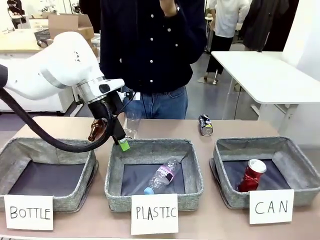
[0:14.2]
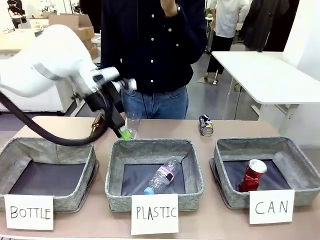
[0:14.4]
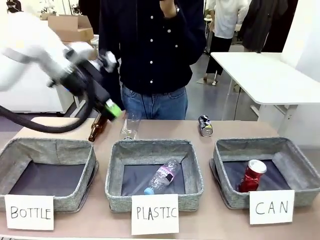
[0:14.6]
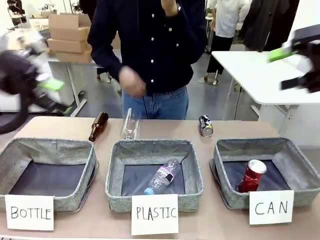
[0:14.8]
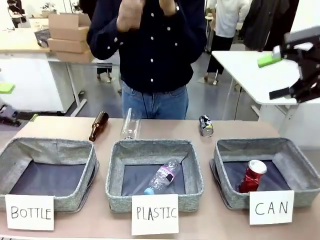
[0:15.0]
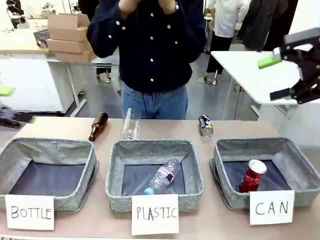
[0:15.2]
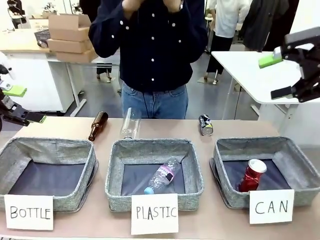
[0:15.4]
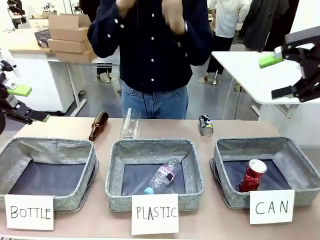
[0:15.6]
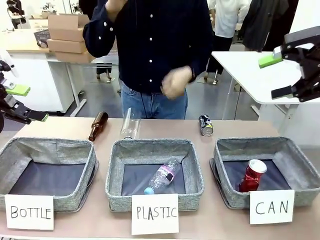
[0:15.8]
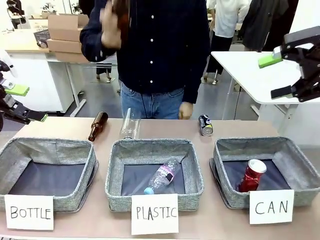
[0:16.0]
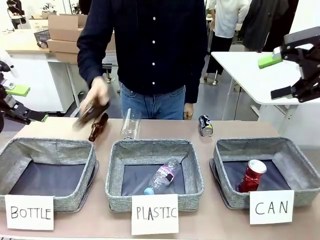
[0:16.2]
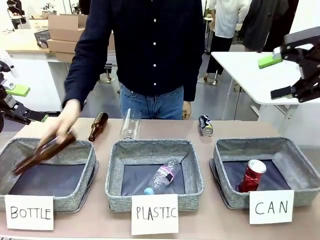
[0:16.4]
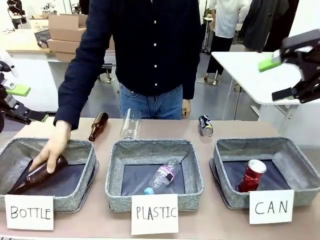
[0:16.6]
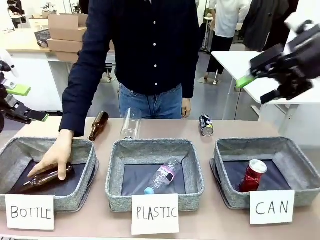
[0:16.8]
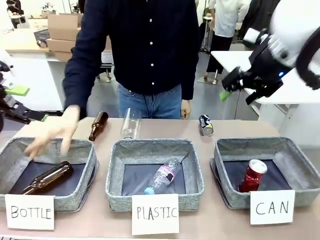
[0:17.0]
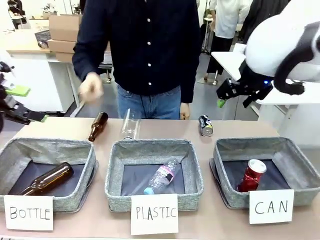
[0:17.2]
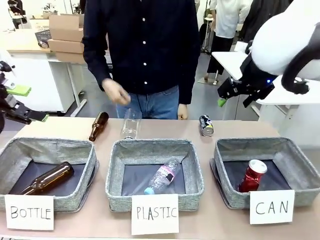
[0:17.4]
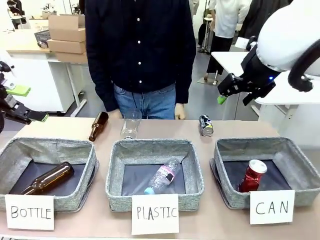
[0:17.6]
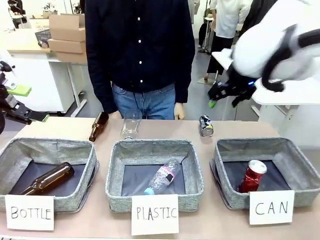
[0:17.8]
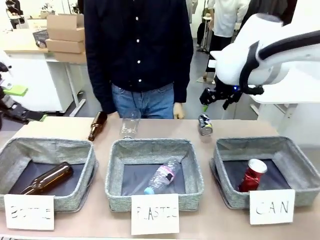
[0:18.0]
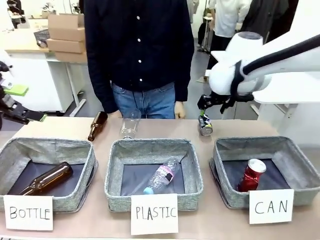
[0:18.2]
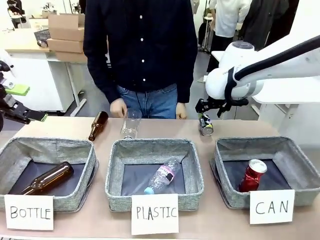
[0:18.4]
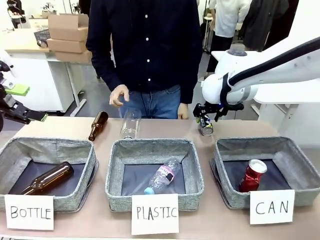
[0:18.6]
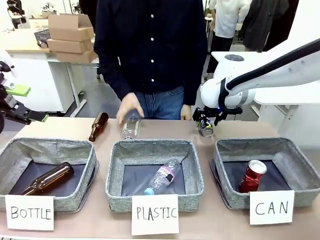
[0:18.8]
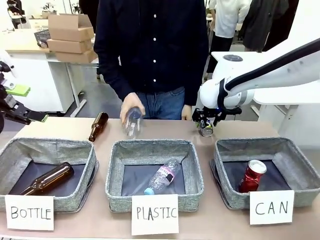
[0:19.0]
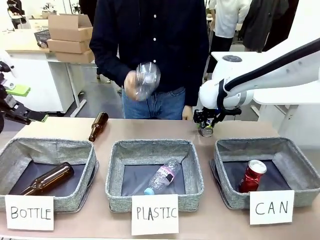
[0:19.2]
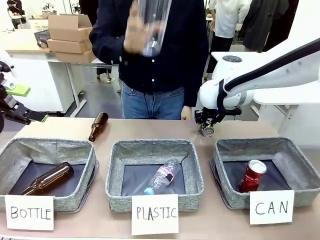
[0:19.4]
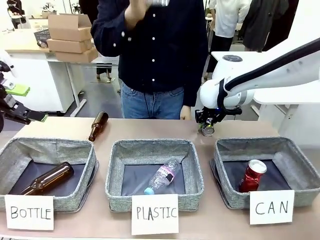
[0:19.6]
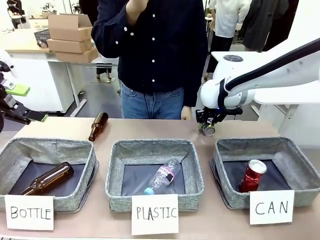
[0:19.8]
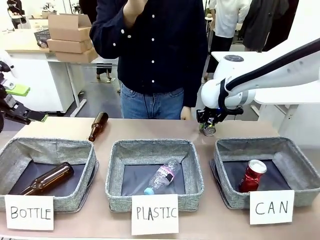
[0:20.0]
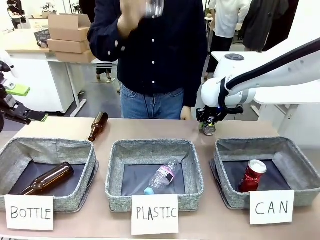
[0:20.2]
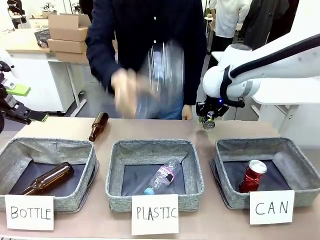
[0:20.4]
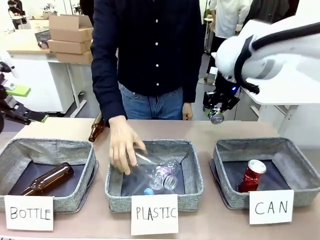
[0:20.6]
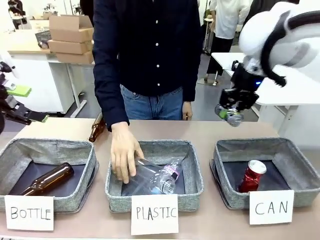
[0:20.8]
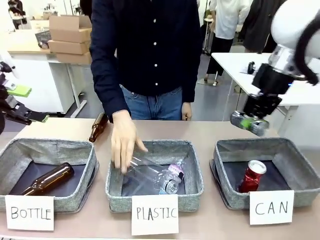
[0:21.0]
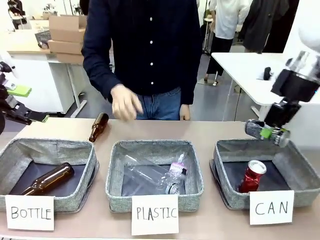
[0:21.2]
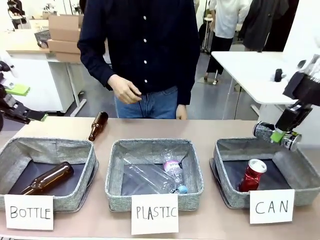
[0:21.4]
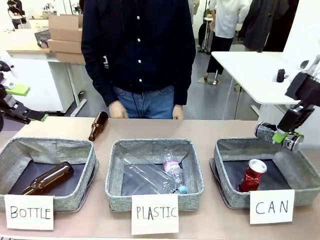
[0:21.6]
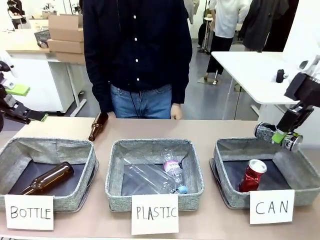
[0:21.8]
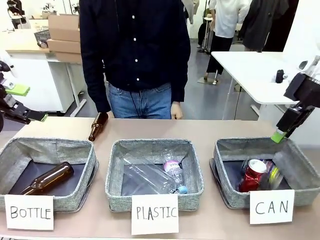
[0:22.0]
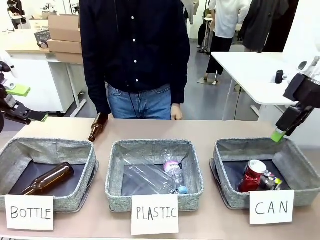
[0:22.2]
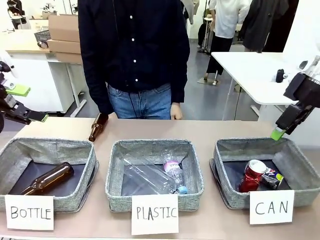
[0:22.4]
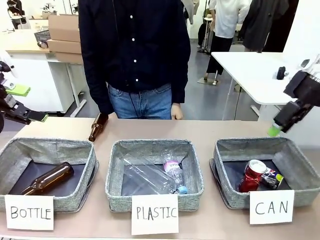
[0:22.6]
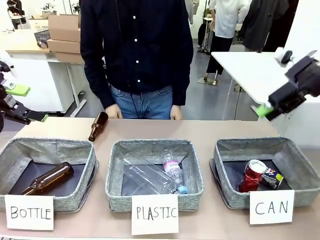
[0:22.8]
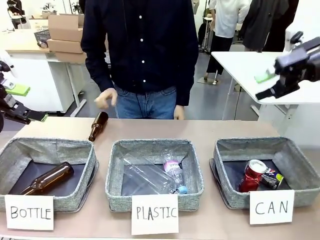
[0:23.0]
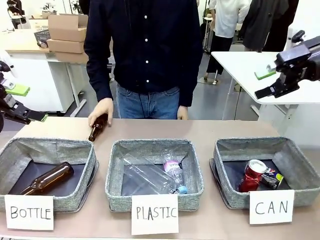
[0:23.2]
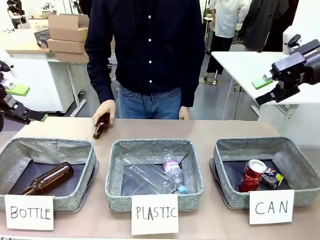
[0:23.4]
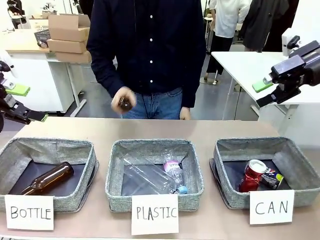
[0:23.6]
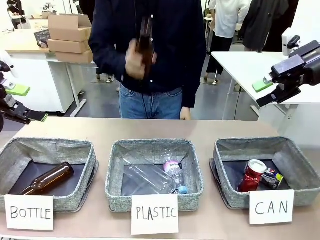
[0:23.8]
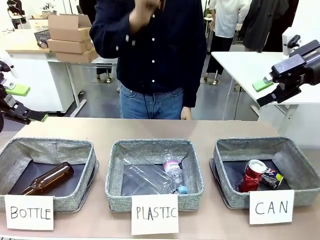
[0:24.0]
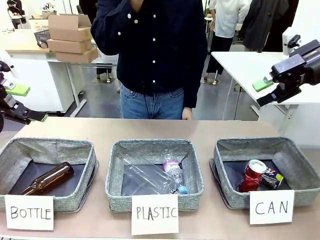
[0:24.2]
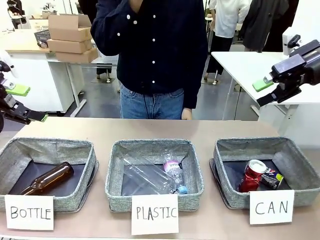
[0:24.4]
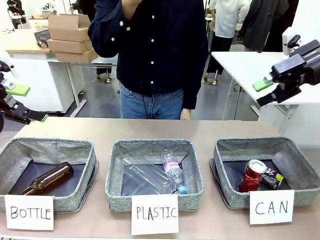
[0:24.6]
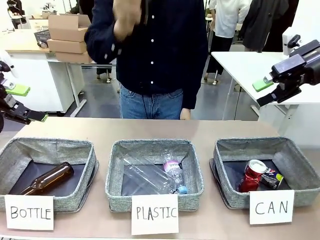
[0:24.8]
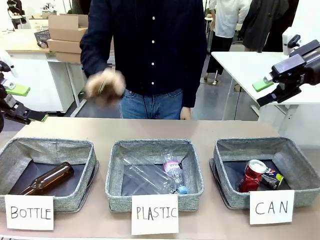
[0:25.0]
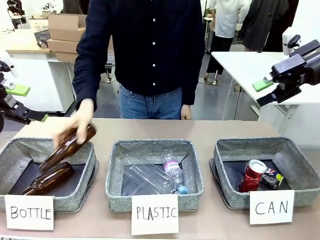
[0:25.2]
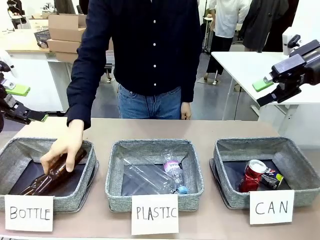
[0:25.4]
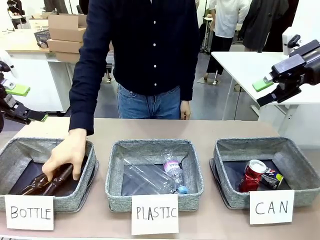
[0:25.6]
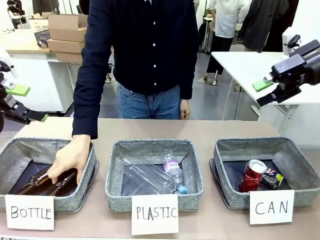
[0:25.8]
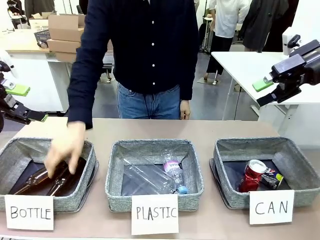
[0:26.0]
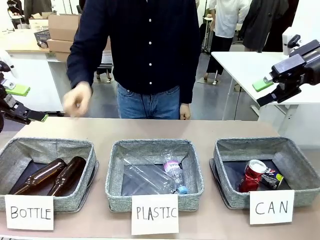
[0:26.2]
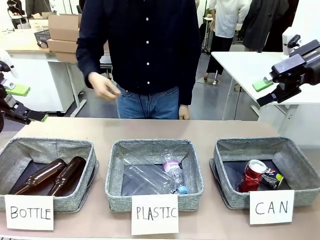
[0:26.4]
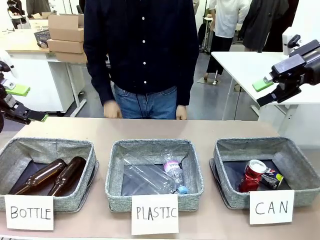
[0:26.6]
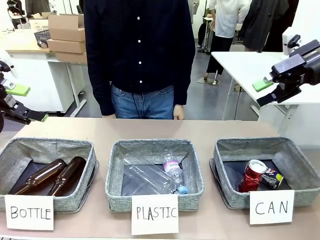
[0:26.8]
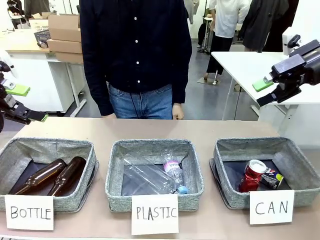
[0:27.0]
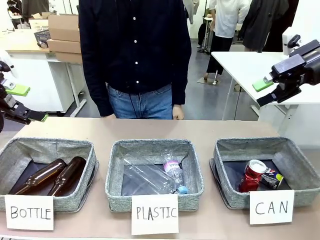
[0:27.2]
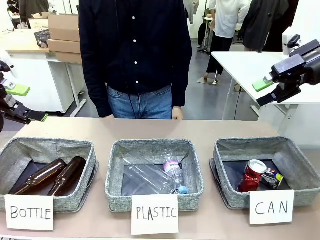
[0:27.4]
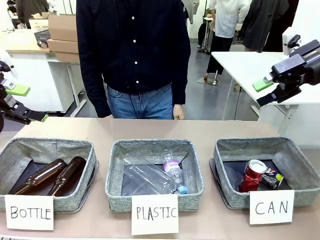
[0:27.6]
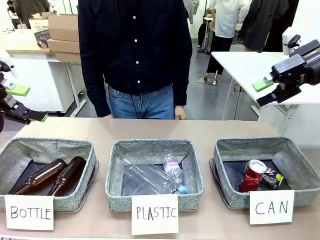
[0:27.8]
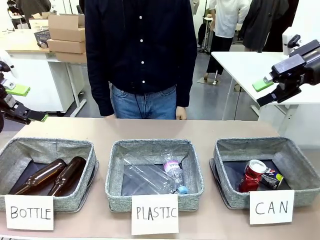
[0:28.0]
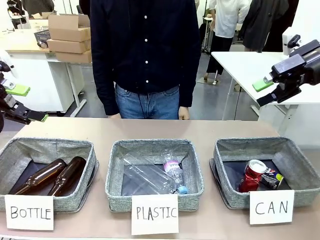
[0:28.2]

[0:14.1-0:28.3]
Task: Sort the can waste into the basket.
Robot: Pick up the can waste from the table and place it in the right Fabric basket.
Person: The human picks up one piece of trash that is not a can and places the trash into the appropriate organizing basket.
